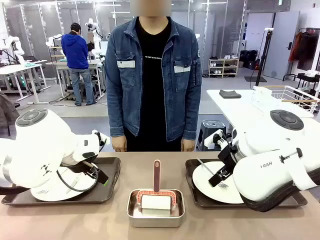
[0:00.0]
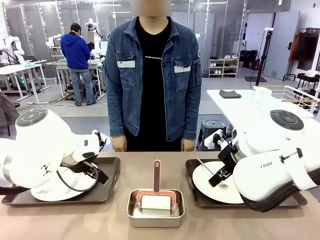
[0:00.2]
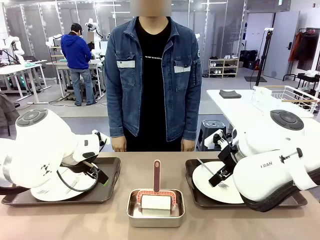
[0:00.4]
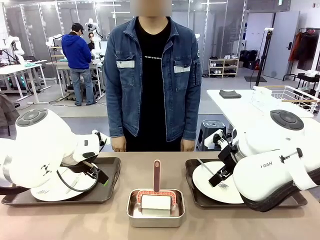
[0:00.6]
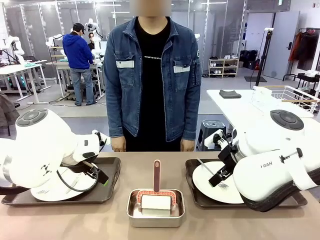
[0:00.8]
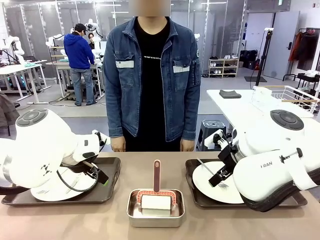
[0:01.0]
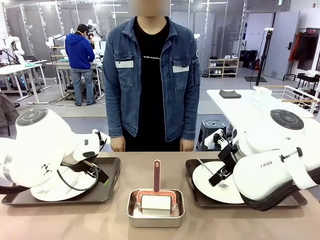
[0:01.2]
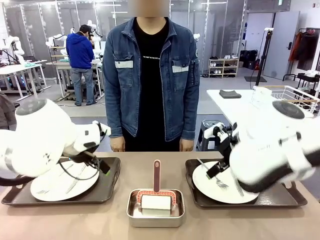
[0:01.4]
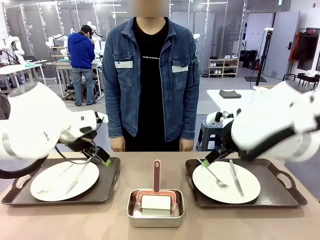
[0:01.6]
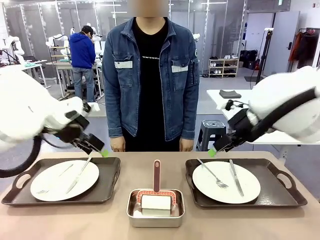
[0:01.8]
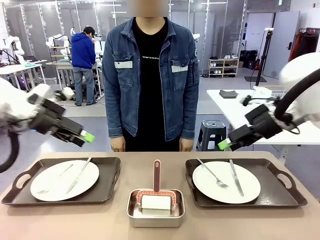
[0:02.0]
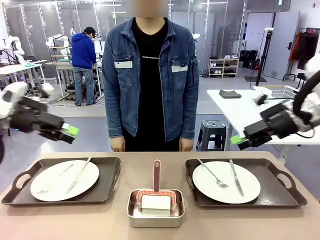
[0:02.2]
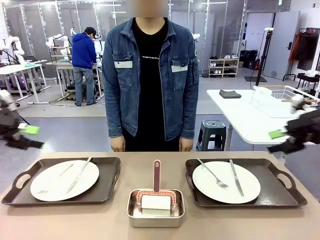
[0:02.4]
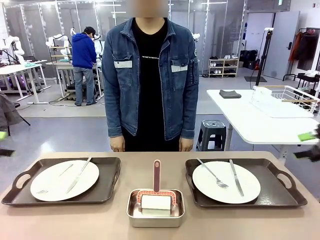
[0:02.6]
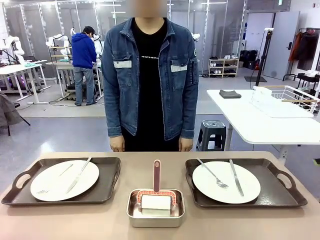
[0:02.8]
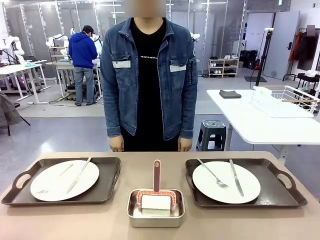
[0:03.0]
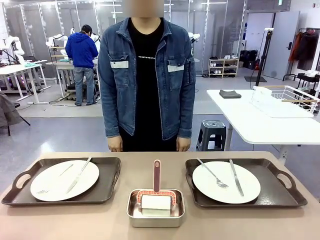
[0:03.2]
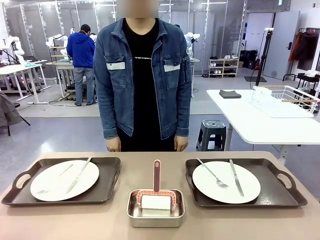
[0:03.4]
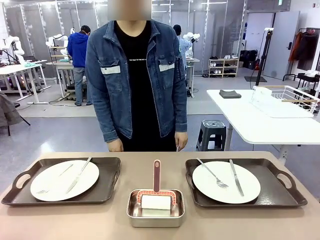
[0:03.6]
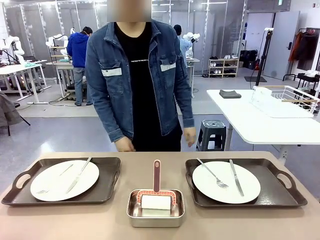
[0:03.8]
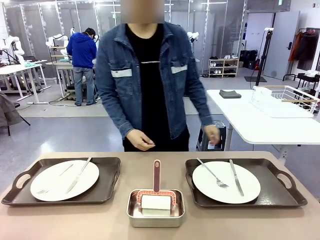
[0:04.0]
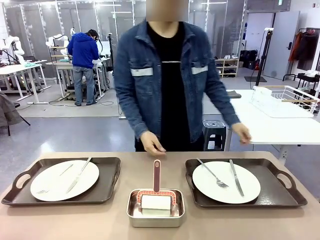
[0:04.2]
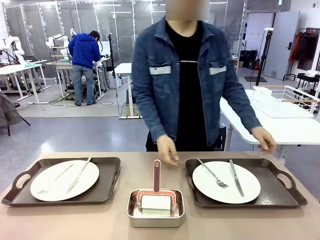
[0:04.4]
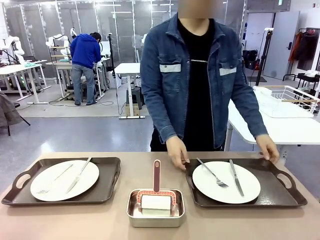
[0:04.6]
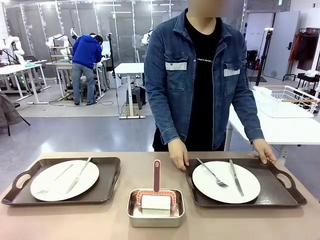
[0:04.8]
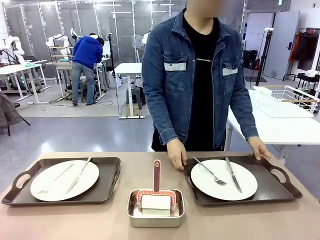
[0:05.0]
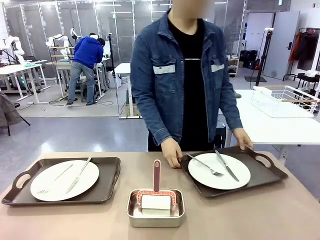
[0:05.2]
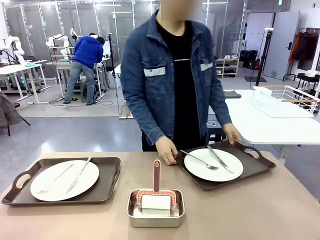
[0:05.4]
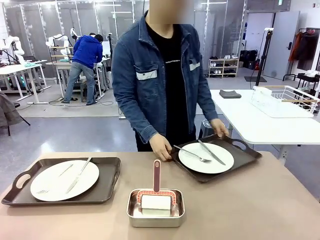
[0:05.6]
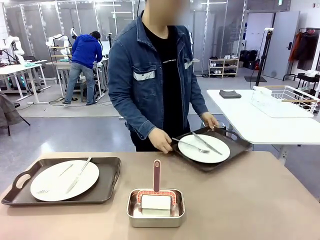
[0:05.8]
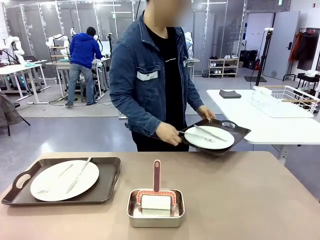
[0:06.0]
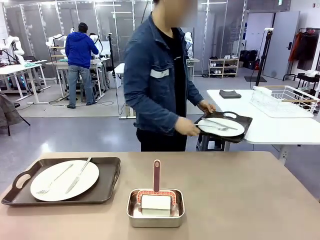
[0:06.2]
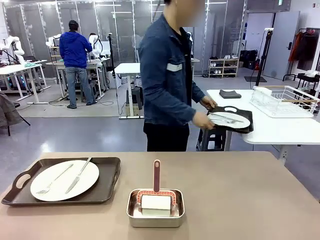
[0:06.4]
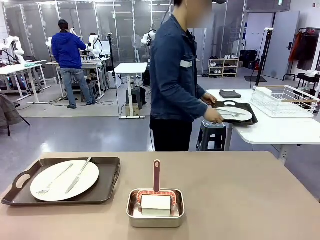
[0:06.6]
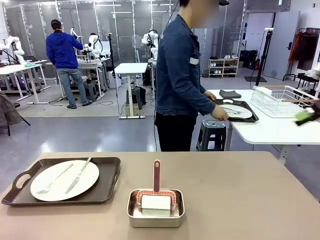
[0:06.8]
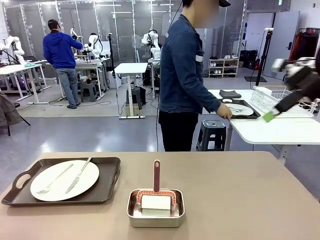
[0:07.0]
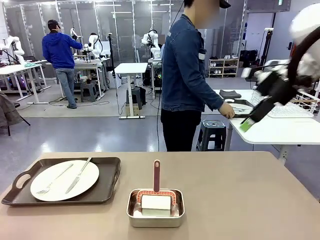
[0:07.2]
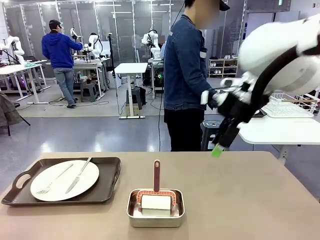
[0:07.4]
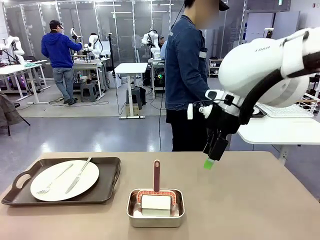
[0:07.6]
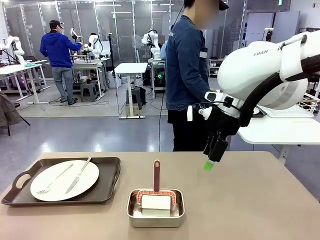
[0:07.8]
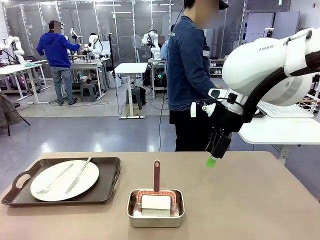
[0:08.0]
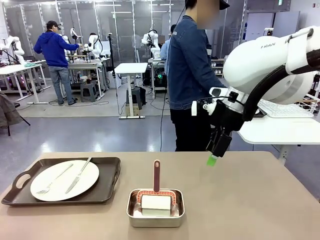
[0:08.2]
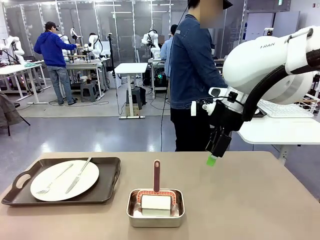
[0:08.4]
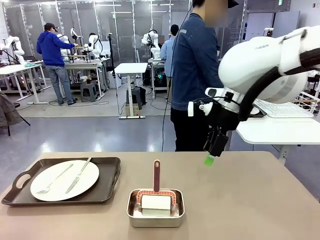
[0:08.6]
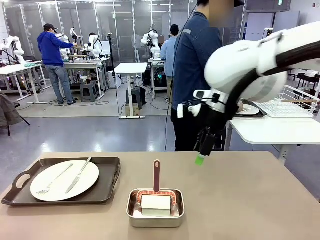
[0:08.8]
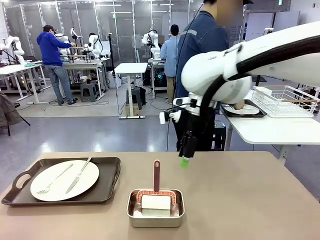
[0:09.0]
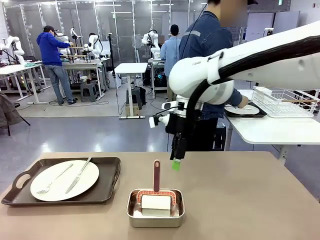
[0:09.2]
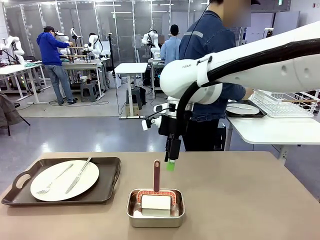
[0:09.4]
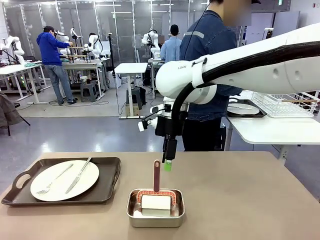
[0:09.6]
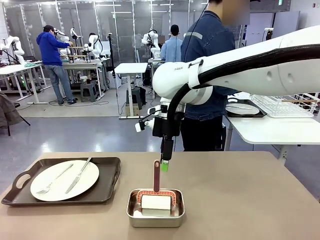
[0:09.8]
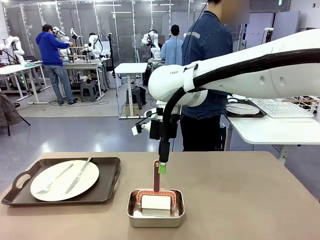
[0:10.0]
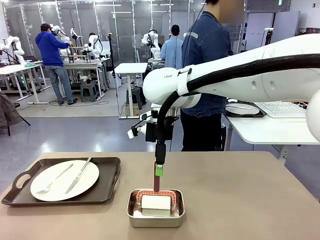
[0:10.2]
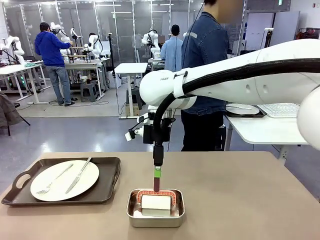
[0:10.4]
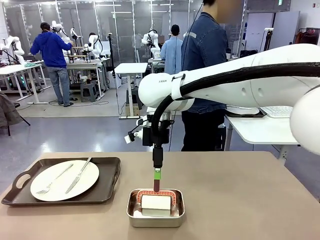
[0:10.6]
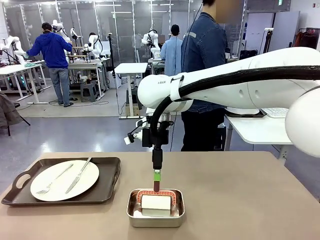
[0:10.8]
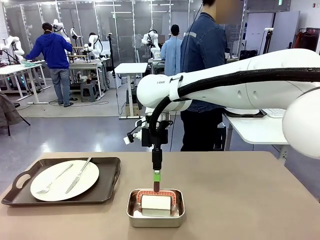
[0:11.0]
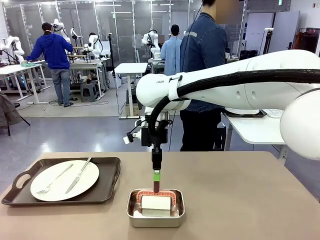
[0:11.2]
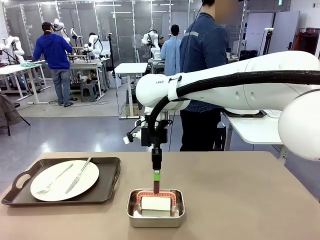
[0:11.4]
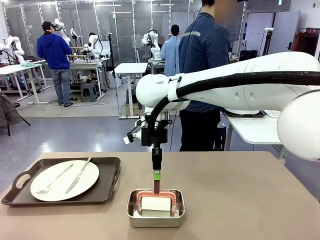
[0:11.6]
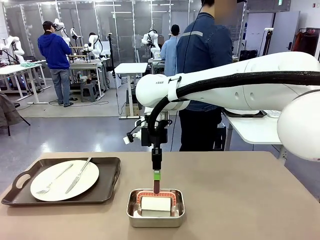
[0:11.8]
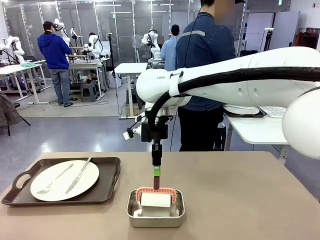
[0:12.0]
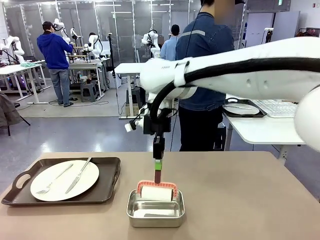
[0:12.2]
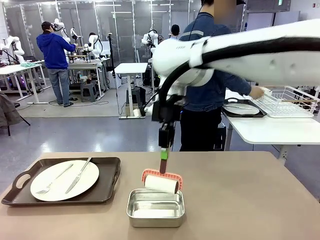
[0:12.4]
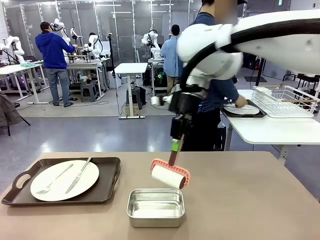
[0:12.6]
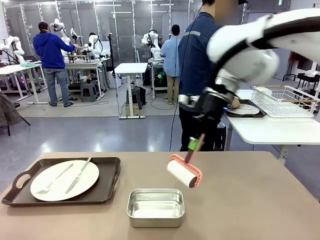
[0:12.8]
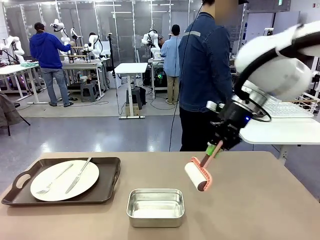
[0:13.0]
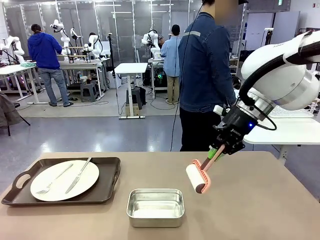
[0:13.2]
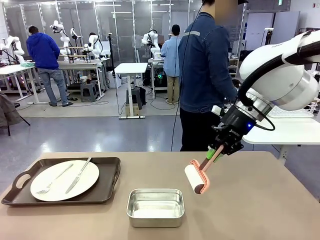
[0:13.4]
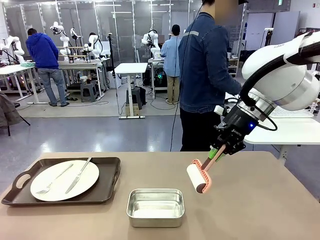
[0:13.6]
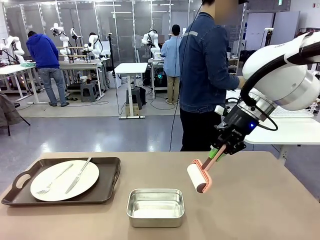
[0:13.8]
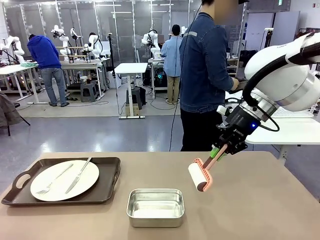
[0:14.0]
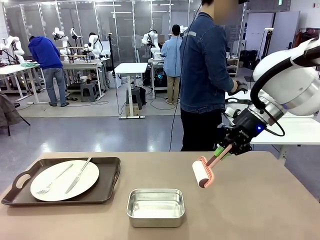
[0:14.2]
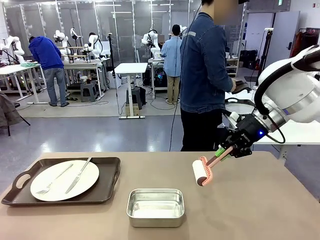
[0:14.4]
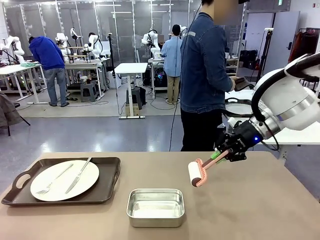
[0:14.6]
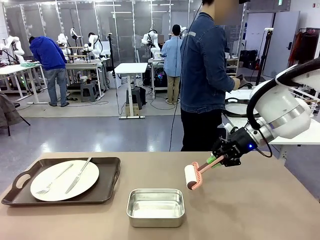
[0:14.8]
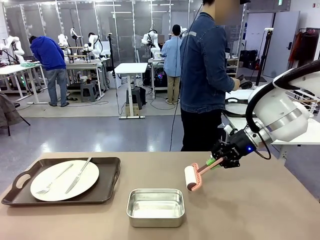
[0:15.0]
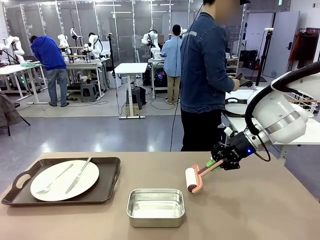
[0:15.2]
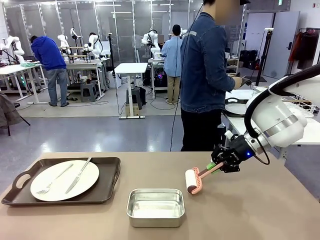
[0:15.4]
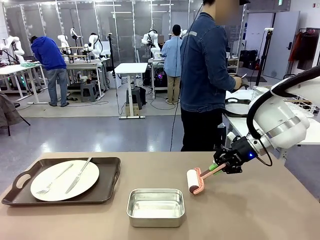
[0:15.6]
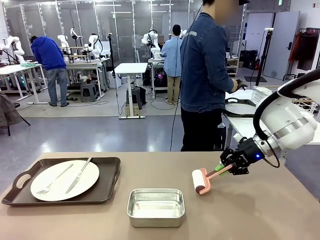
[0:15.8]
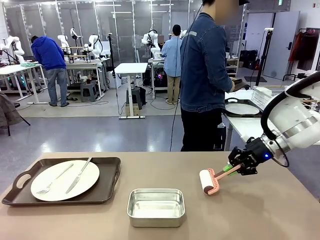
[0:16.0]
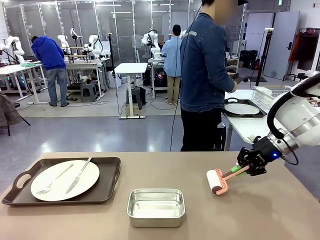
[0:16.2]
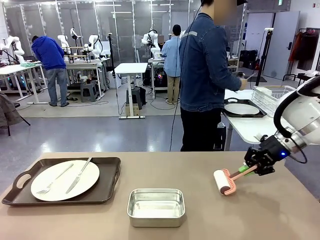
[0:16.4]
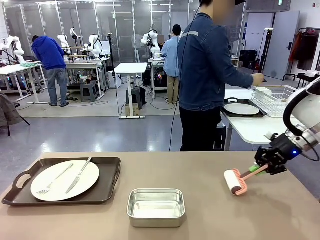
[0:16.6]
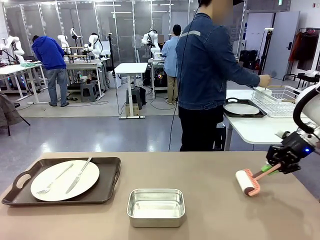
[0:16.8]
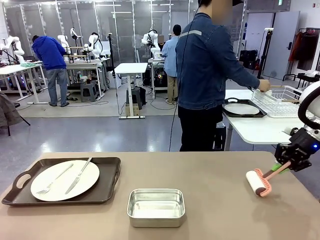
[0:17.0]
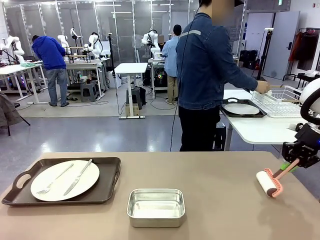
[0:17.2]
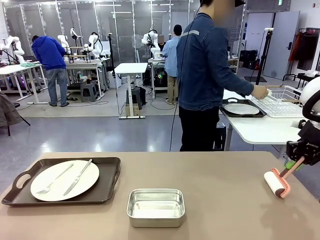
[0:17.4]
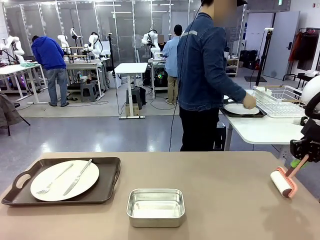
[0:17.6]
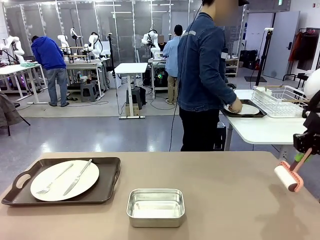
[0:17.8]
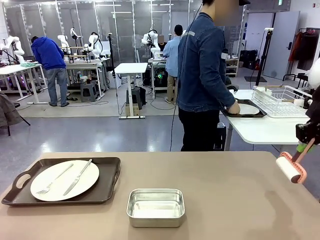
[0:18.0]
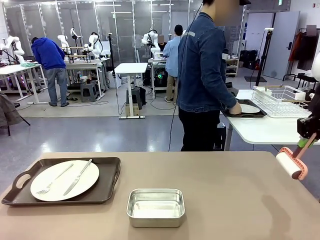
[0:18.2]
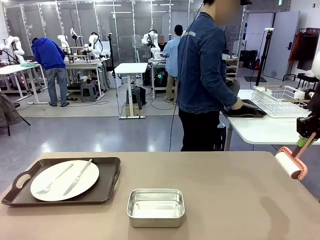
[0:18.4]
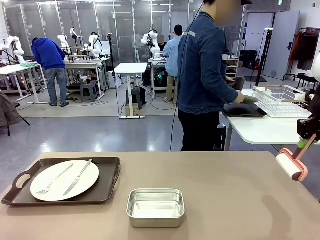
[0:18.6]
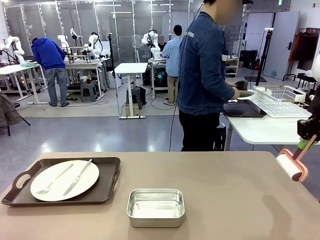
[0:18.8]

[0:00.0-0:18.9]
Robot: When the left (or right) Handle tray is removed, use the left hand (or right hand) to clean the left (or right) side of the table with the Lint Roller.
Person: Pick up the left (or right) Handle tray and place it on the middle of the Human's table. Use the Towel with hook to wipe the Plastic Matte Plate , Fork , and Knife and place into the Dish drying rack.
